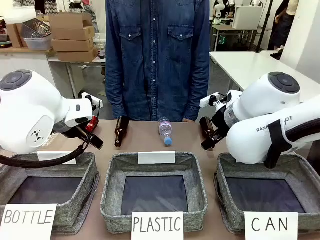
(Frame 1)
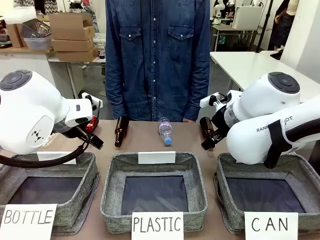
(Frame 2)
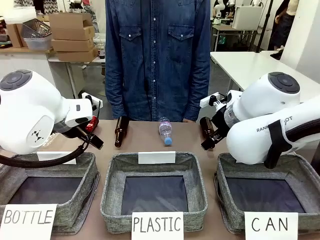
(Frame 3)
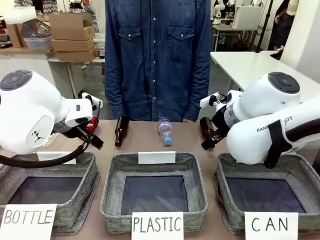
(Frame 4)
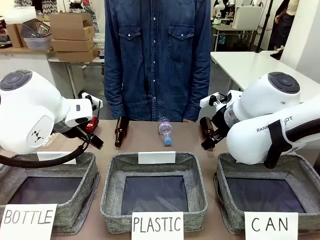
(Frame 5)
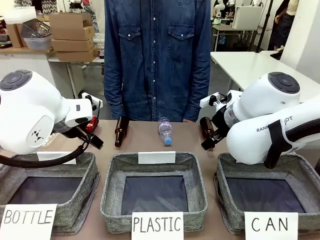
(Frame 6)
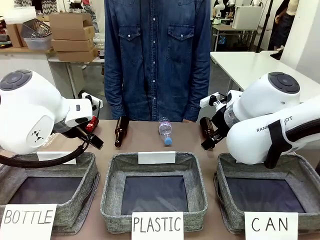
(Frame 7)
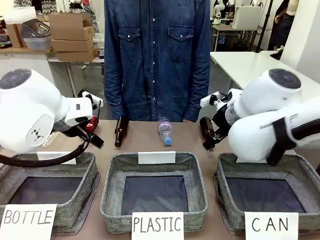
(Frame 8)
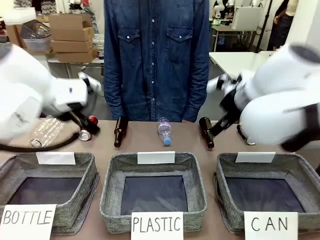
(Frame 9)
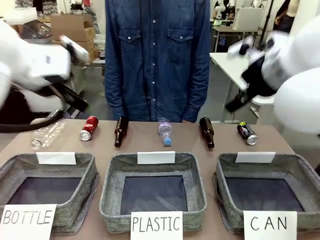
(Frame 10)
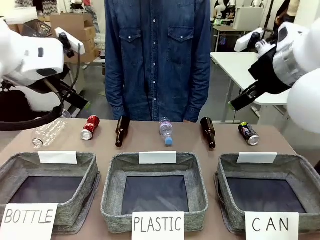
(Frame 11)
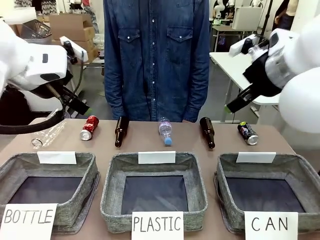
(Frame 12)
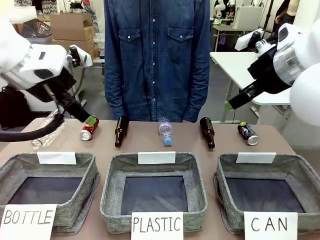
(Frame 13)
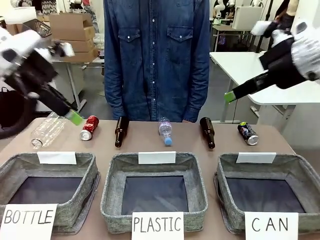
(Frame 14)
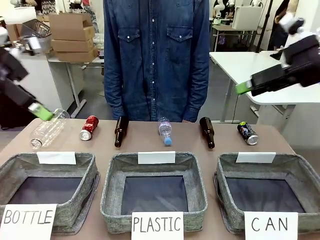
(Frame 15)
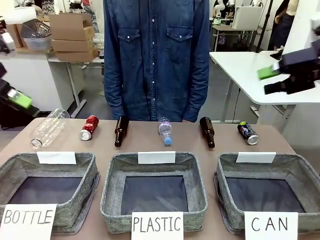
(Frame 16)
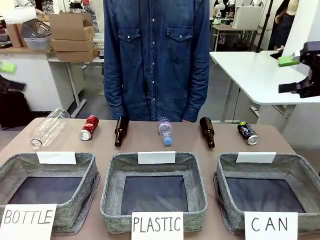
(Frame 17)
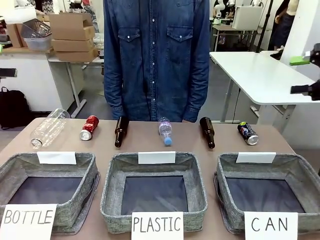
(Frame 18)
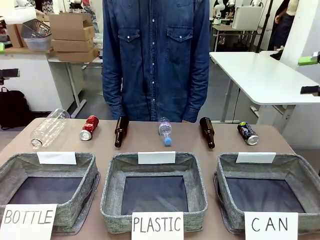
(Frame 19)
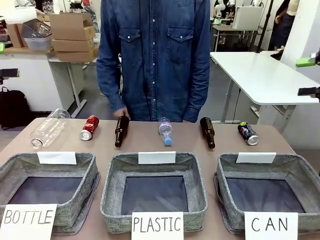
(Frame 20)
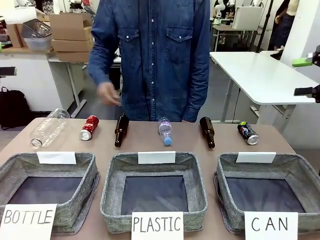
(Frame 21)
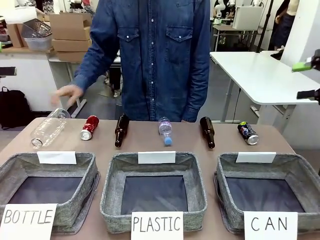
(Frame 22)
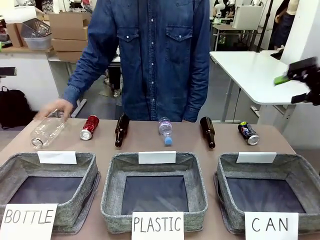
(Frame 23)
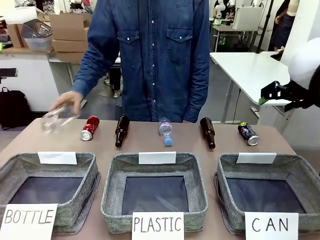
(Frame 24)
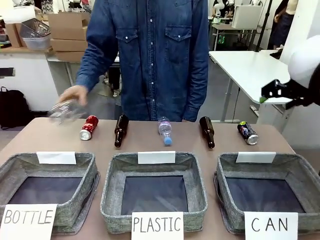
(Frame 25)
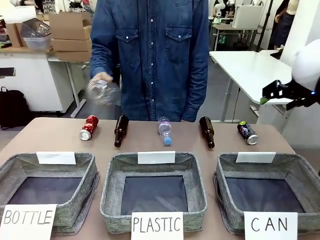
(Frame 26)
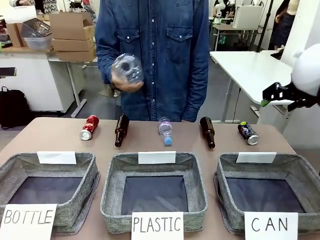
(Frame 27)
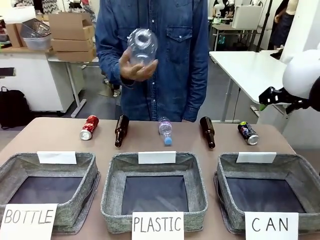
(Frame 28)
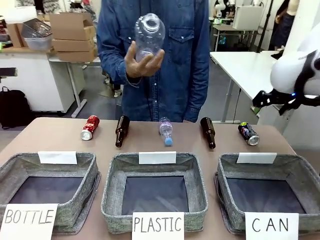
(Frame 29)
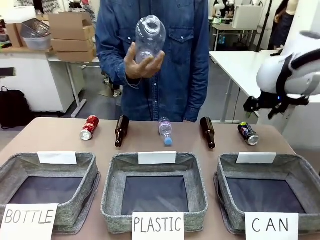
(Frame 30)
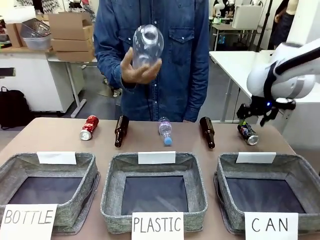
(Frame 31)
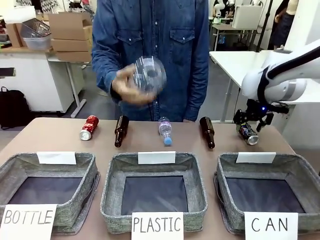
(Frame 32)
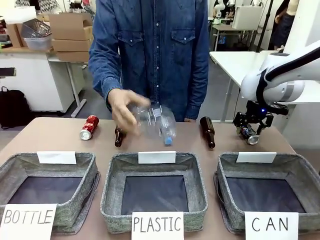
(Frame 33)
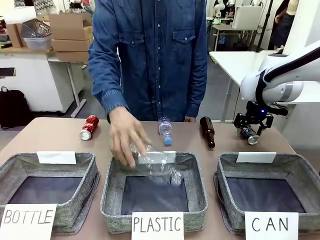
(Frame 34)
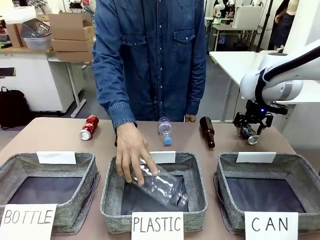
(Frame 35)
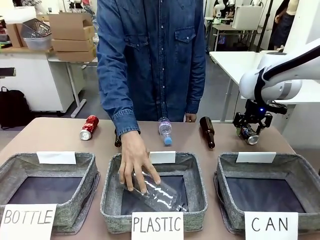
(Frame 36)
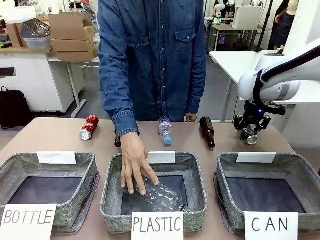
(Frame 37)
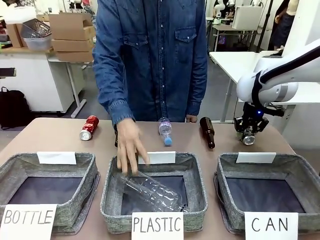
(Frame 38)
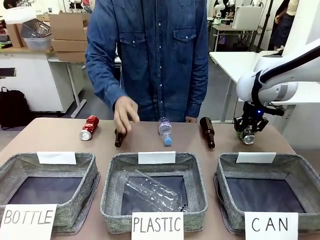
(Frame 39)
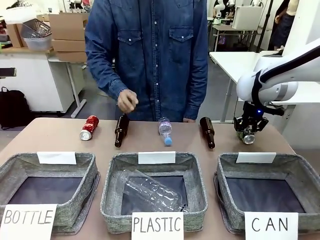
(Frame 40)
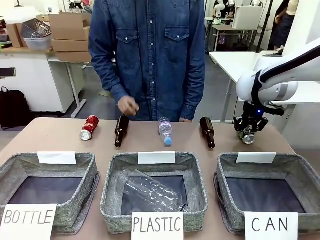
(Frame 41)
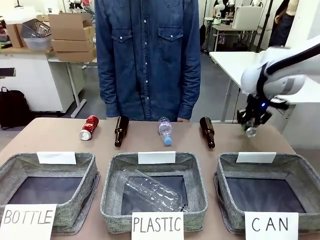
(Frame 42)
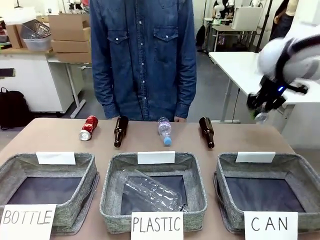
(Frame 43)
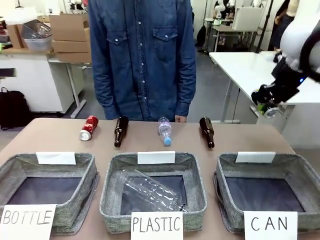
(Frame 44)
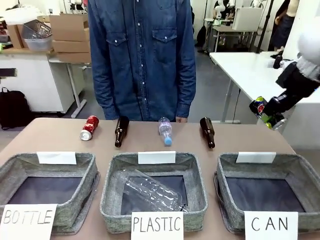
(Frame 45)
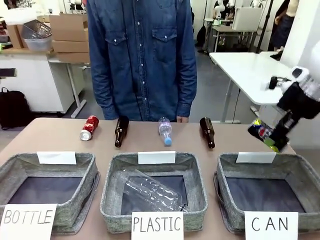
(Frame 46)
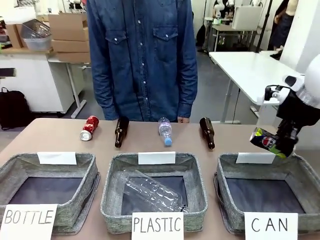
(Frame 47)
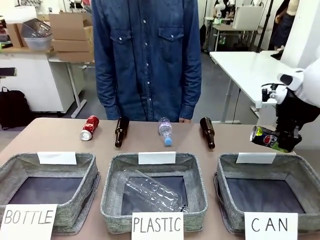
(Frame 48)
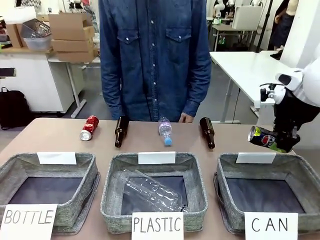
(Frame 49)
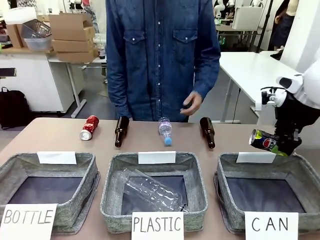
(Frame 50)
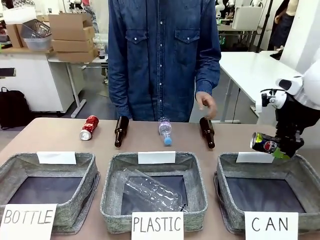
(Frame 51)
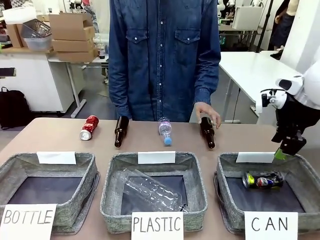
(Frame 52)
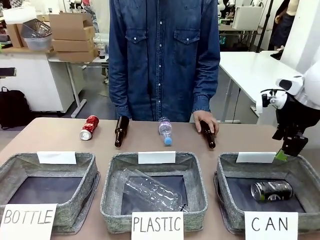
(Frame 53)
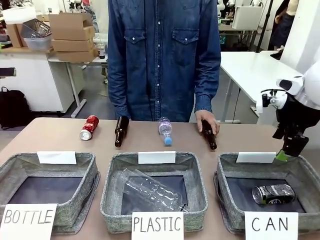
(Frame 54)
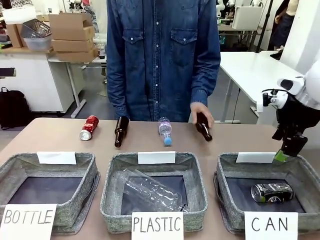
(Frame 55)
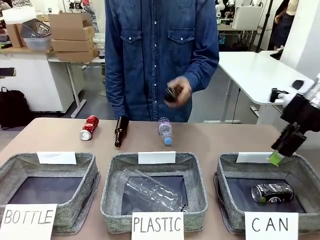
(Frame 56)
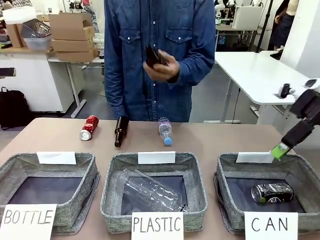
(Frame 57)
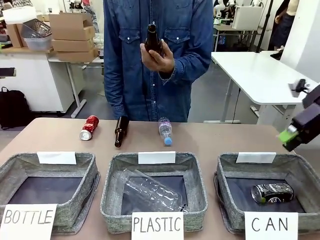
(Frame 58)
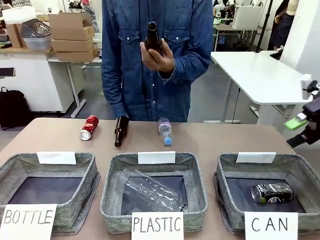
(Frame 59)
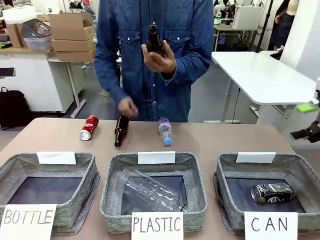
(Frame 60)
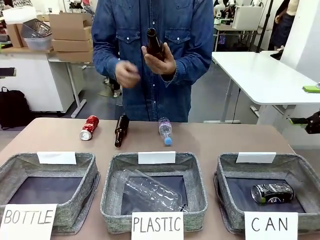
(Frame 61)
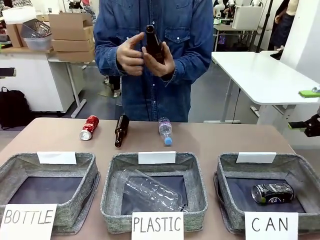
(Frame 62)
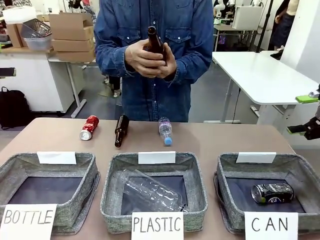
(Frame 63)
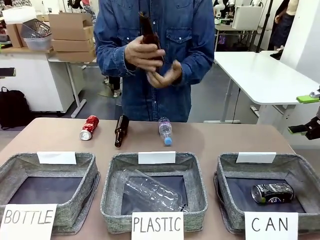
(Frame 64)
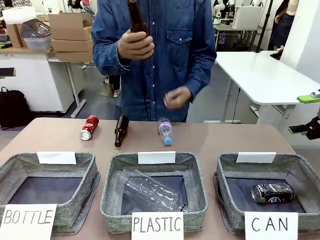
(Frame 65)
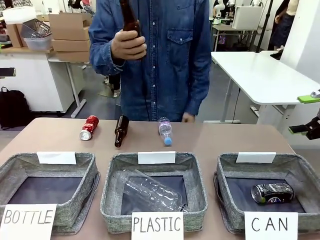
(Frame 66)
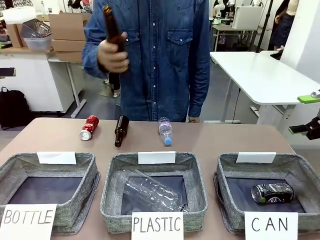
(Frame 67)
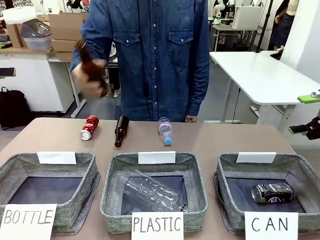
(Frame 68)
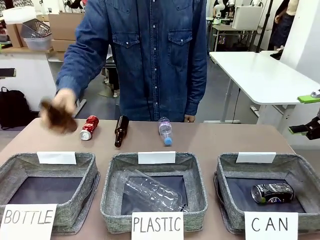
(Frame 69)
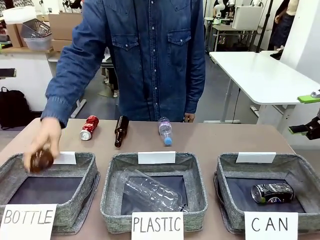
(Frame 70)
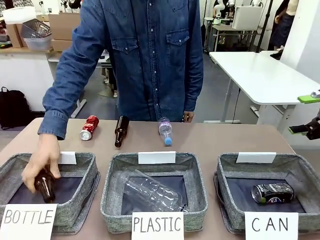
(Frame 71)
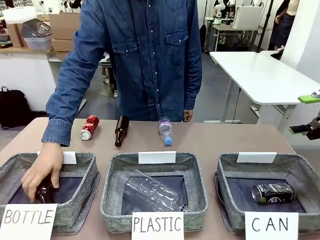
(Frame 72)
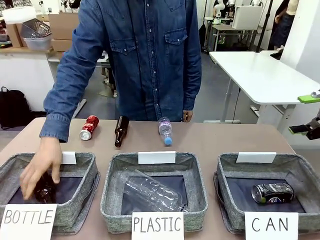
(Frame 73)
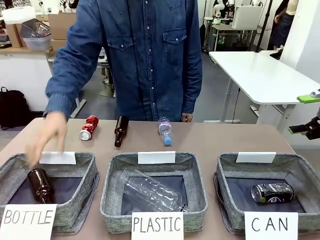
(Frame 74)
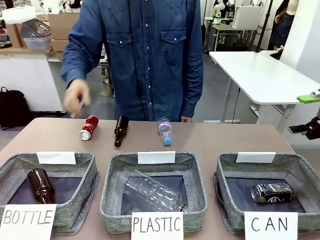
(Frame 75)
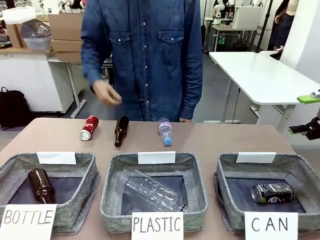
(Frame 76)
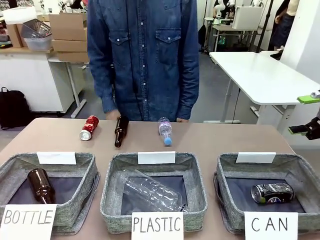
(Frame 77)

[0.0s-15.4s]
Task: Sort the can waste into the basket.
Robot: Pick up the can waste from the table and place it in the right Fabric basket.
